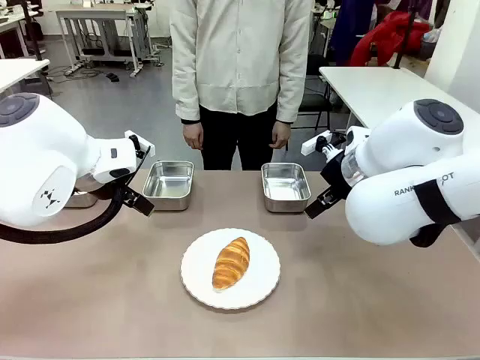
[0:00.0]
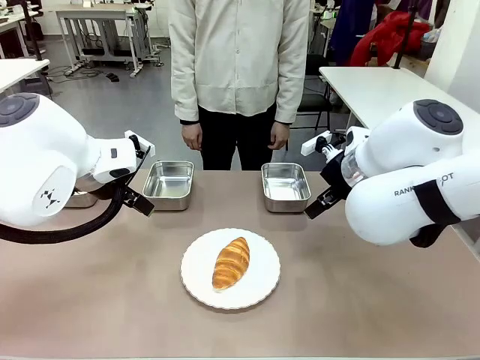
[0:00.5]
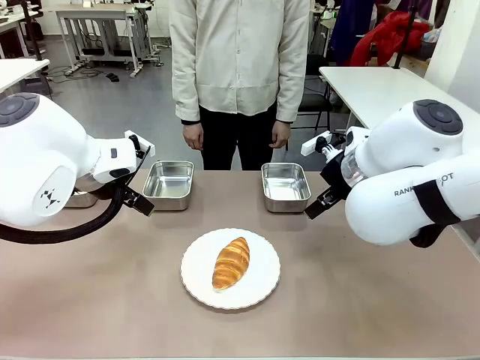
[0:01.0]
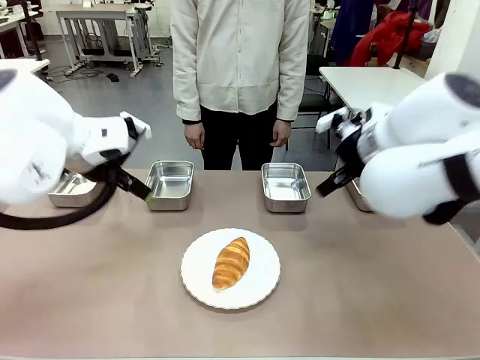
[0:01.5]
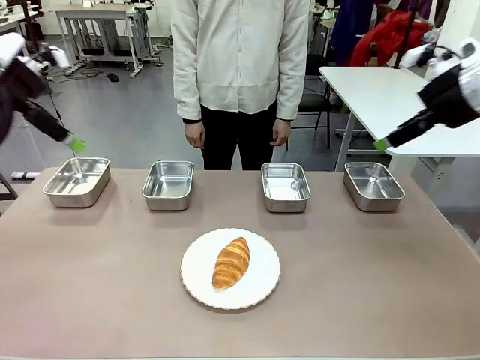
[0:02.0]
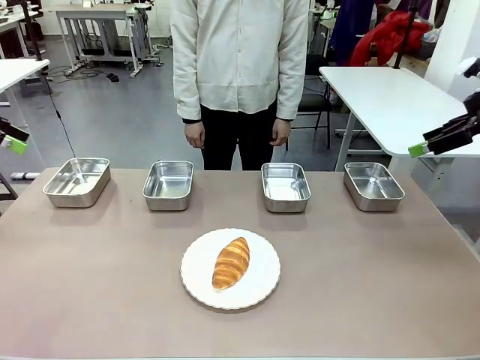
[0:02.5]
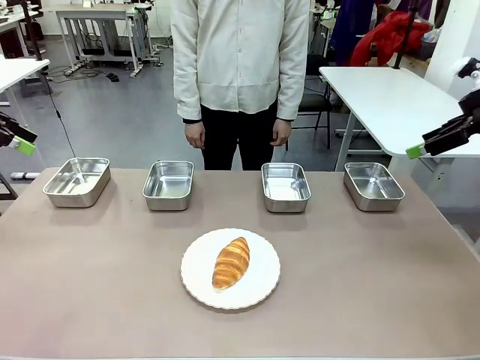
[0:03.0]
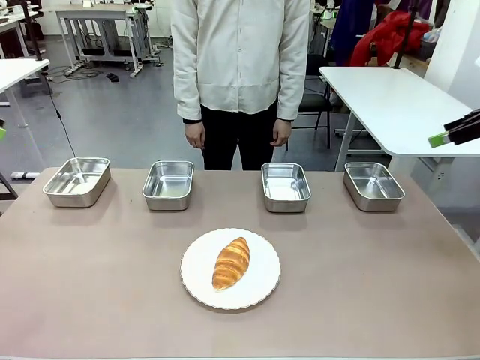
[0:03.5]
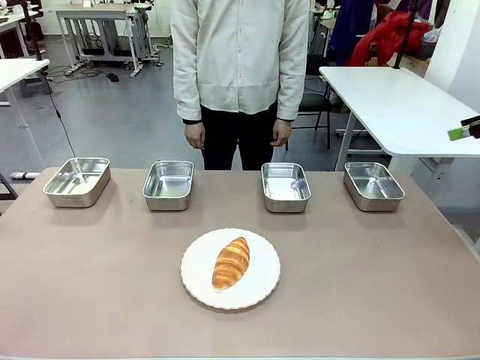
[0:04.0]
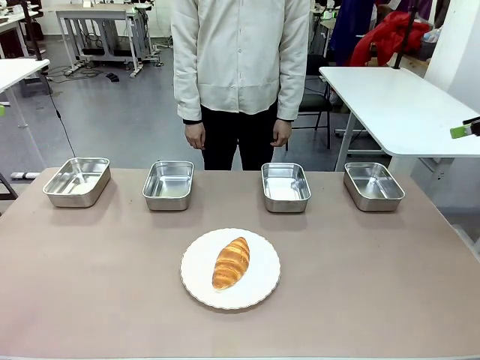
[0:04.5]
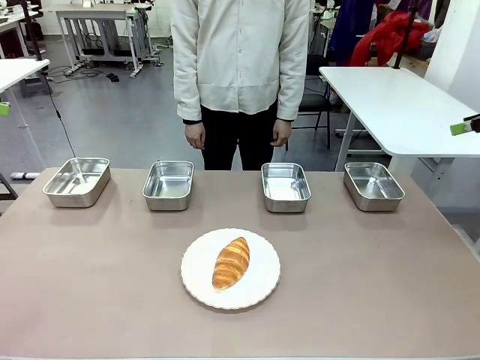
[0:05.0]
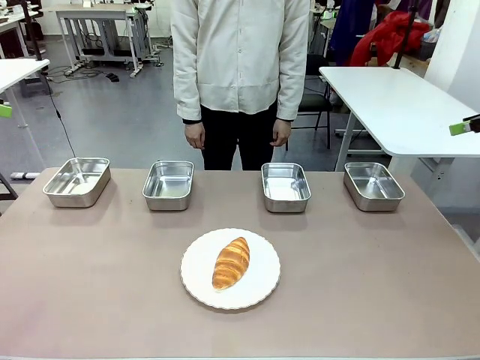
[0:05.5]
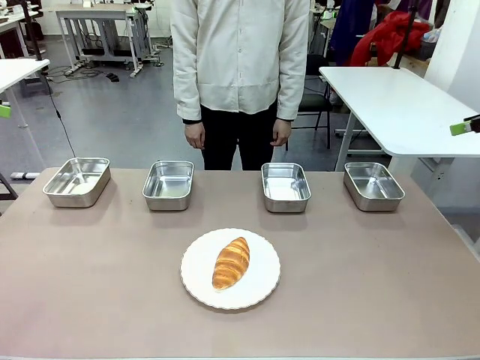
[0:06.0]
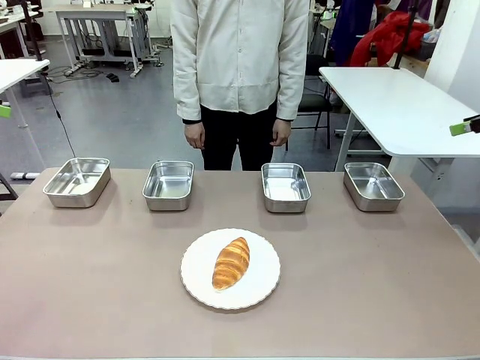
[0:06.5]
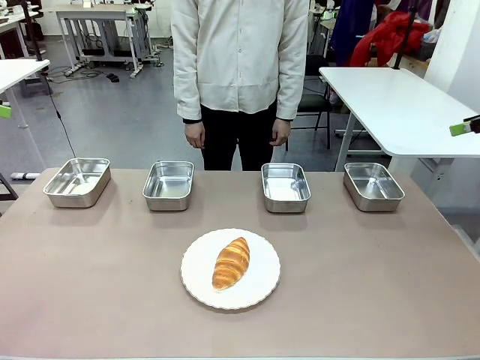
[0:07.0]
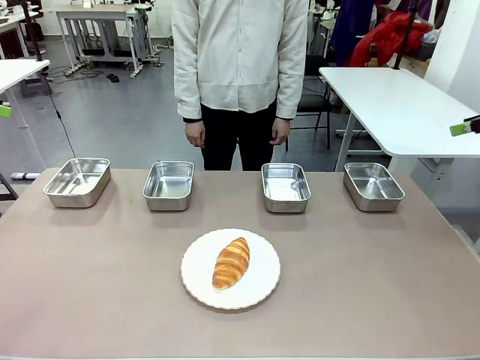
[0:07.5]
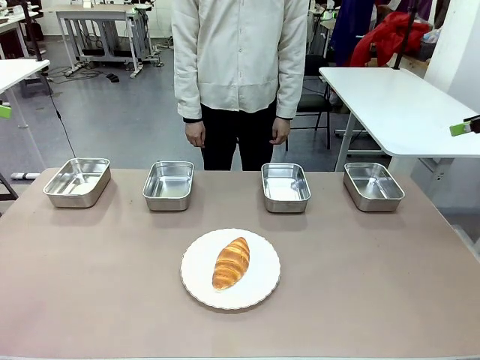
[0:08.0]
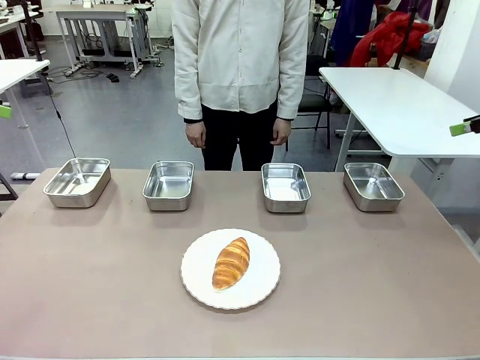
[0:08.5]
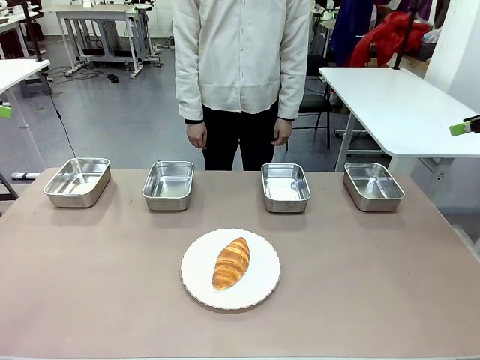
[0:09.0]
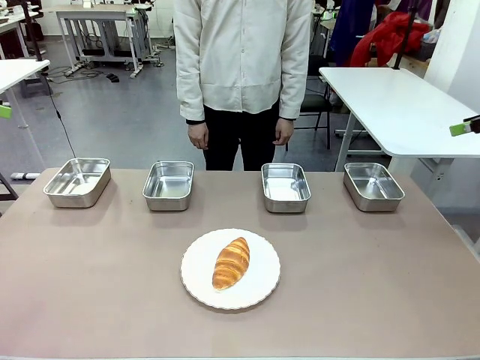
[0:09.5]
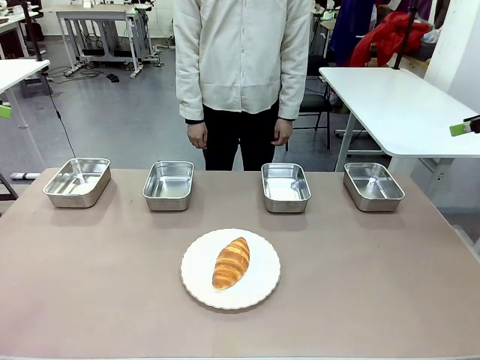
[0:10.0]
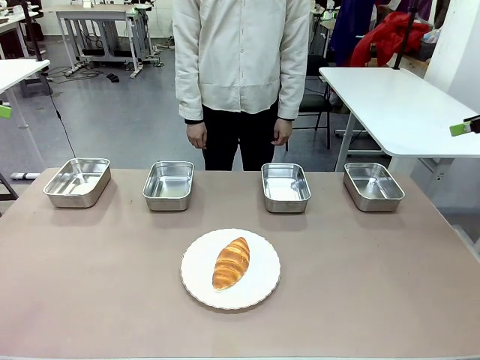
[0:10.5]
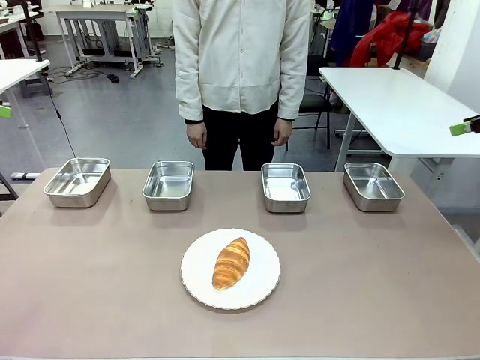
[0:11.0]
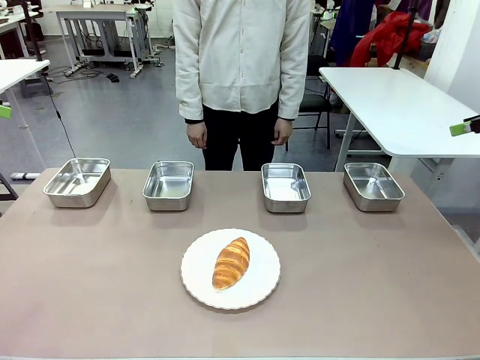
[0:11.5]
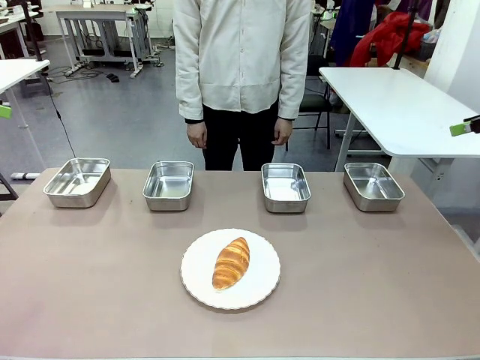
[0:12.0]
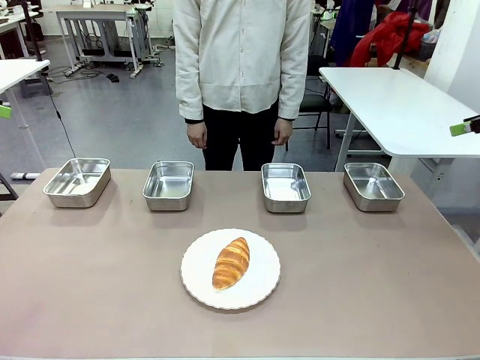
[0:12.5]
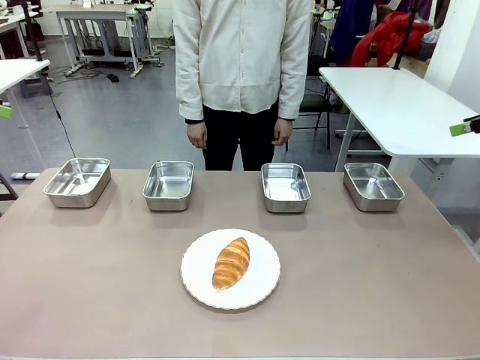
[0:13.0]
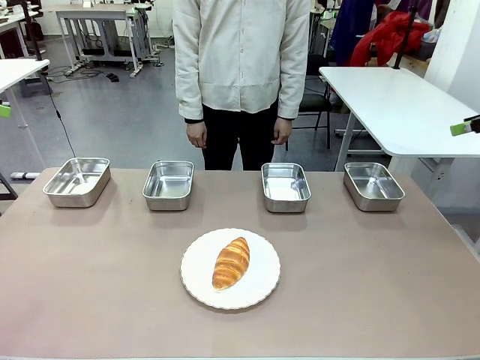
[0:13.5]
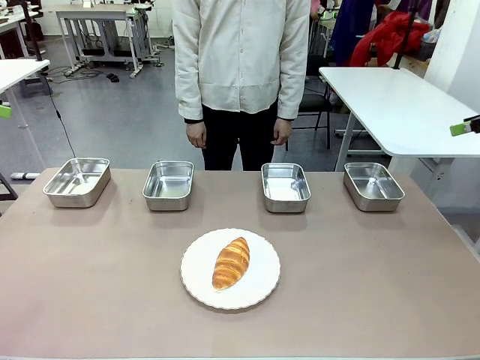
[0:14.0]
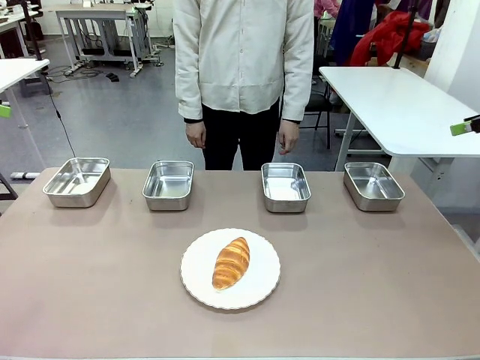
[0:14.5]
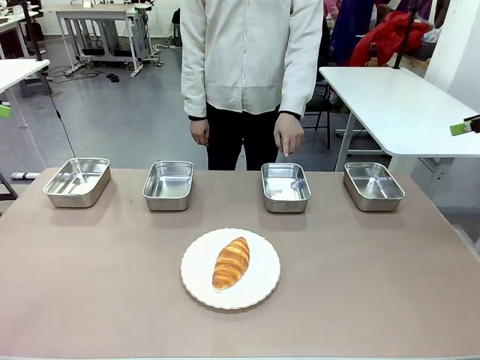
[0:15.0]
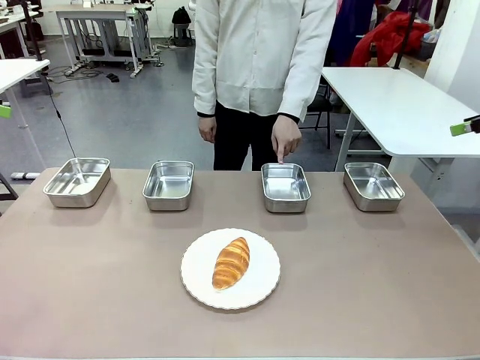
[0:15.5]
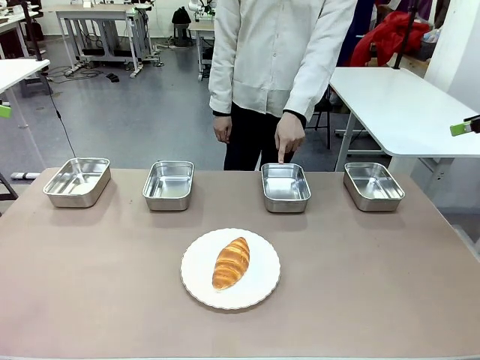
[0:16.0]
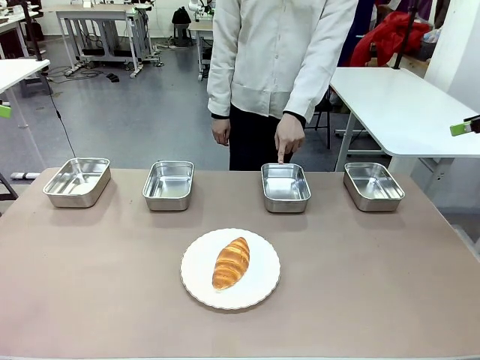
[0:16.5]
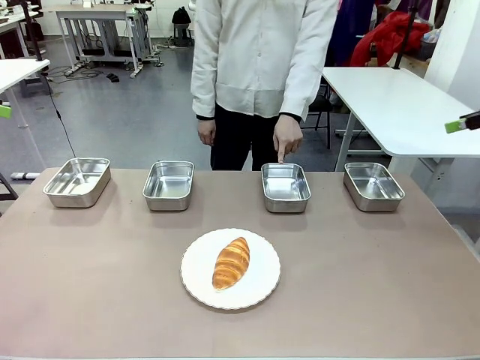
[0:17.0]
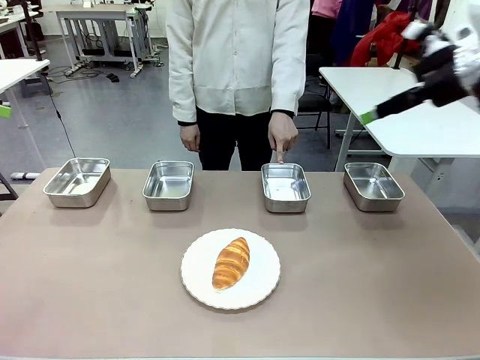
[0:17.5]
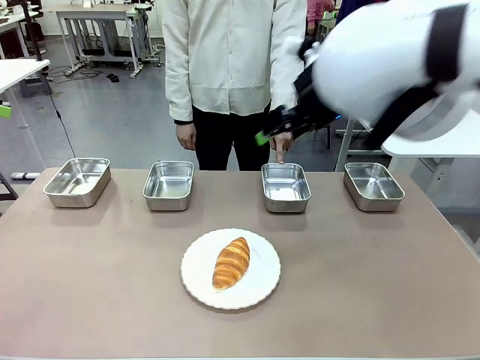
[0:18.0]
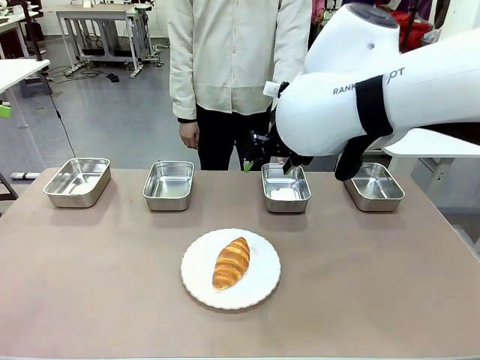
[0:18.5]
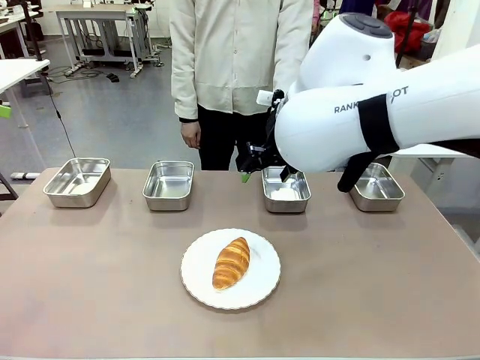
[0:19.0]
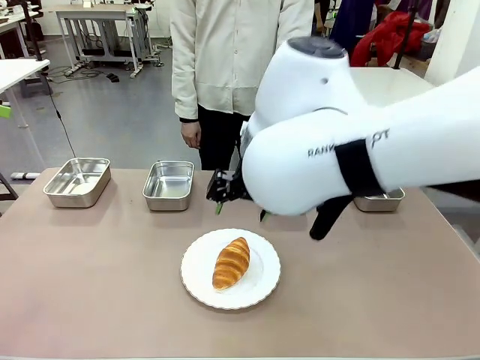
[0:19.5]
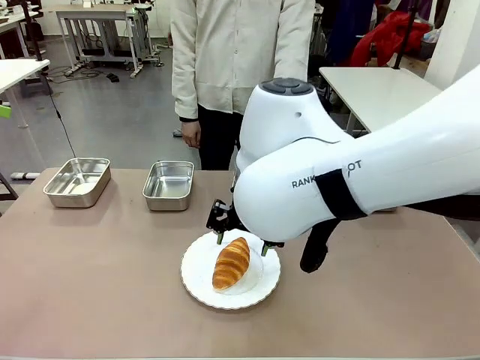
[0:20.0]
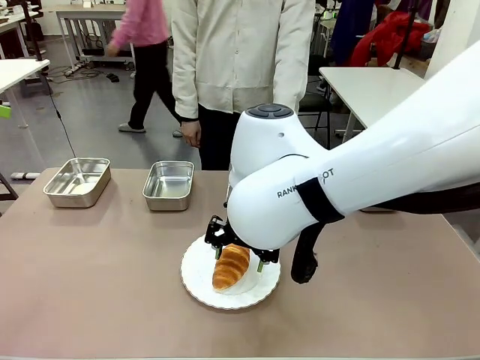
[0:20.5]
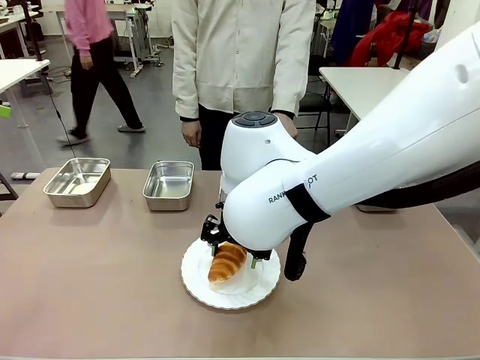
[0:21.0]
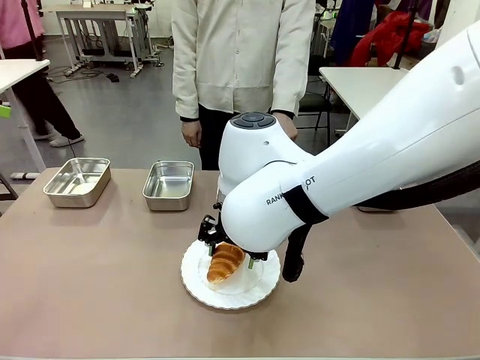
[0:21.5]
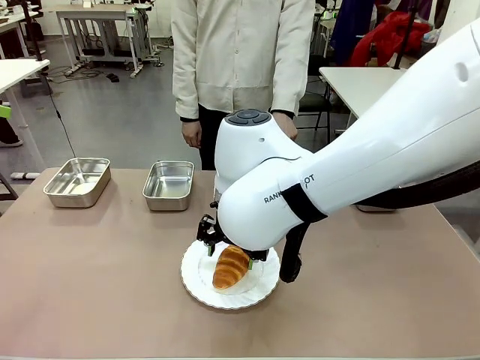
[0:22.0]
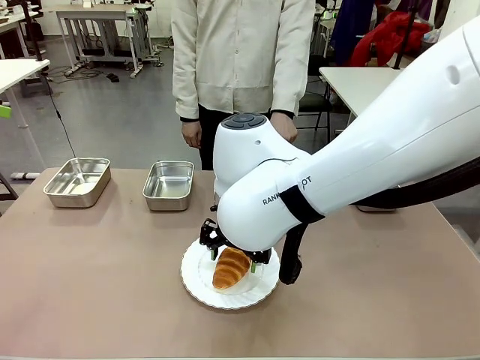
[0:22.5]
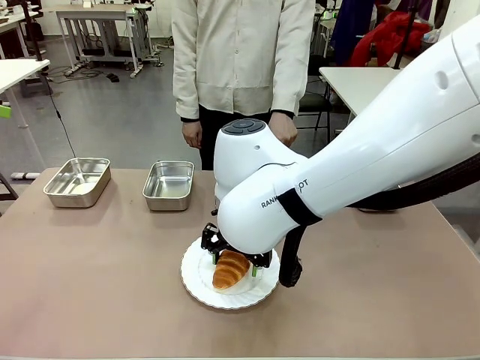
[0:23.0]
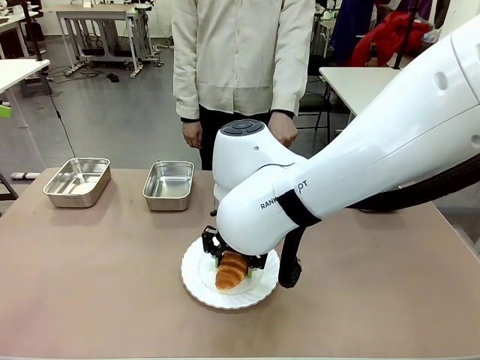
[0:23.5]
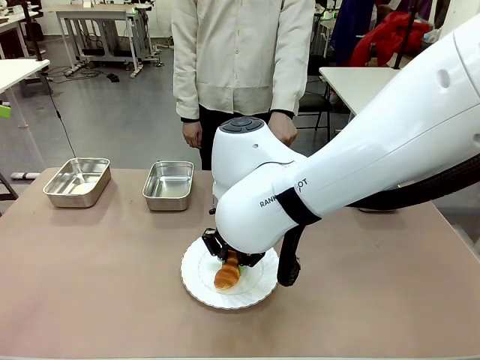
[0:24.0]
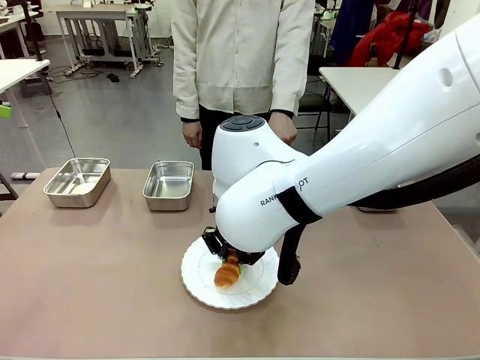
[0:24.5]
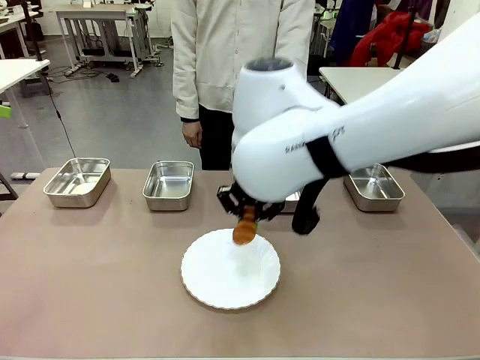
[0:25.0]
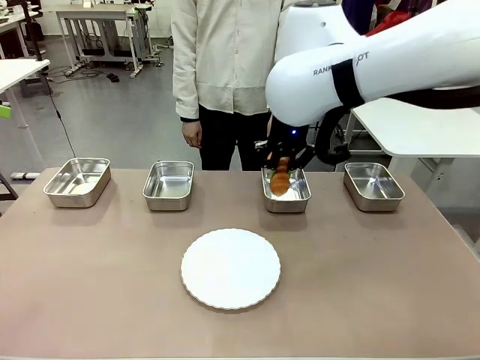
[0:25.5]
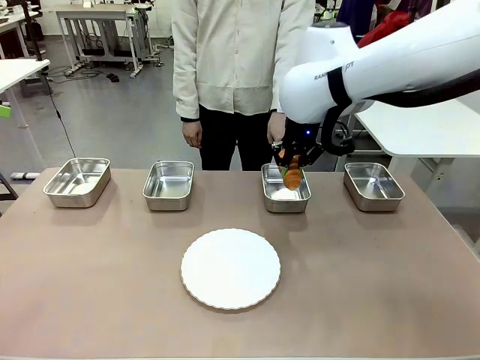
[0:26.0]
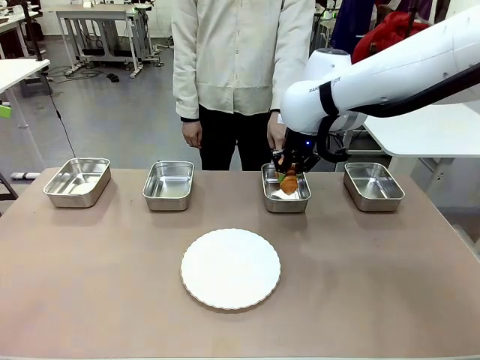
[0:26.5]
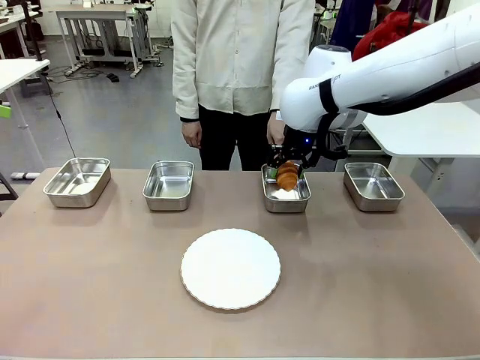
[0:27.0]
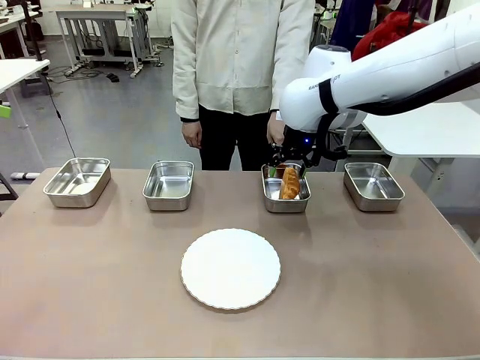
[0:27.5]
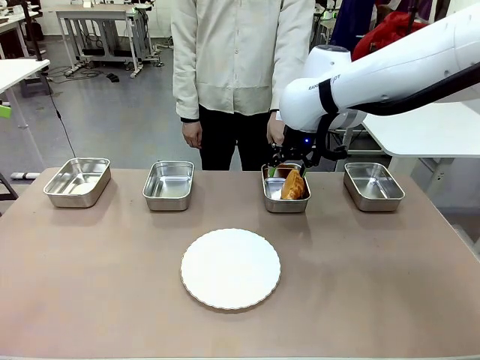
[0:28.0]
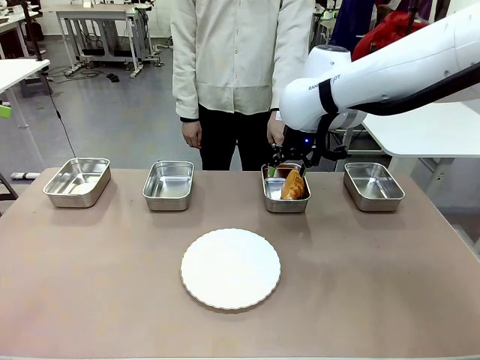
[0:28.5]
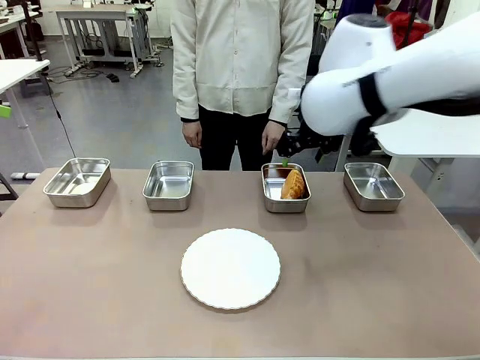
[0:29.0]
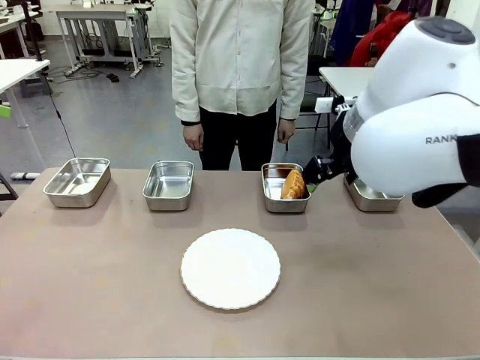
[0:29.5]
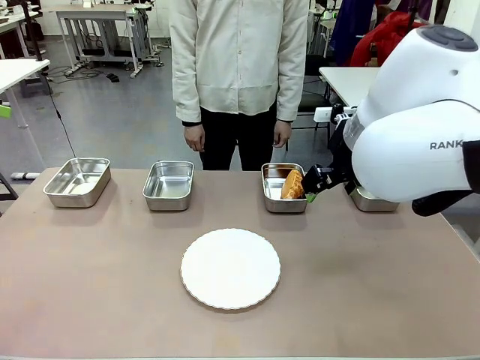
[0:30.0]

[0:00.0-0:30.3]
Task: Place the bread in the container.
Robot: Place the Butter Roll into the Airtight Container indicated by the human.
Person: A person randomly selects and points to an Airtight Container.
